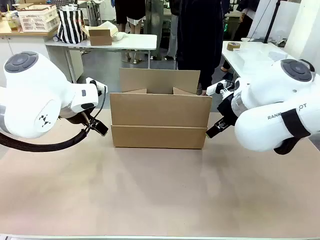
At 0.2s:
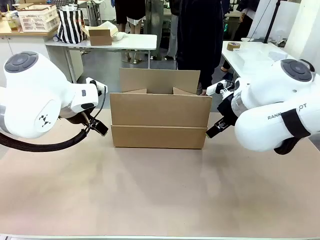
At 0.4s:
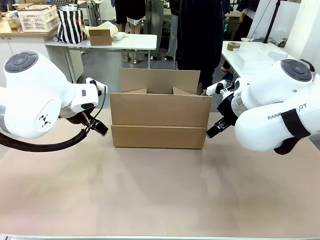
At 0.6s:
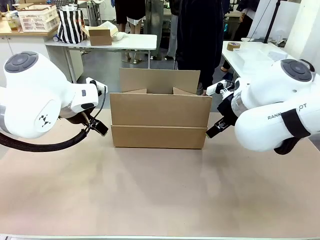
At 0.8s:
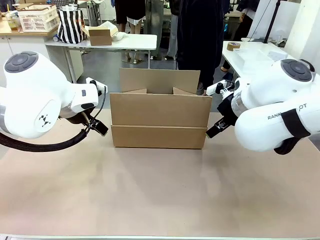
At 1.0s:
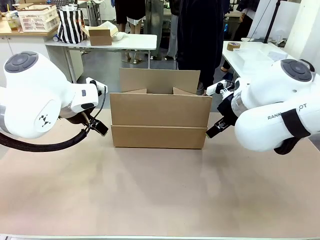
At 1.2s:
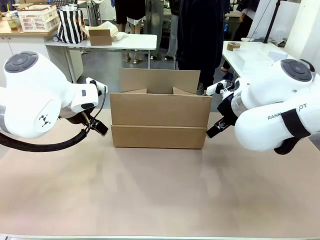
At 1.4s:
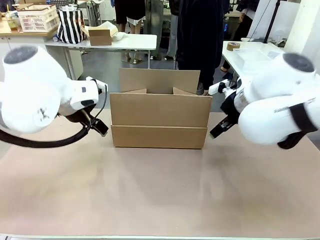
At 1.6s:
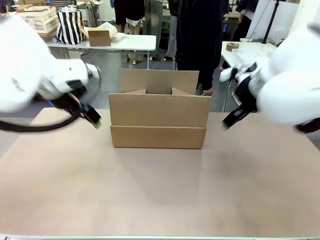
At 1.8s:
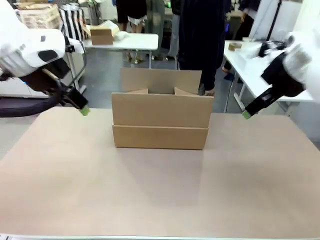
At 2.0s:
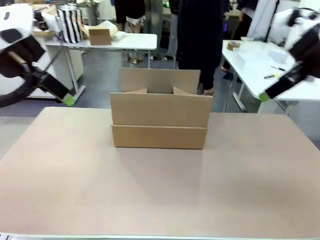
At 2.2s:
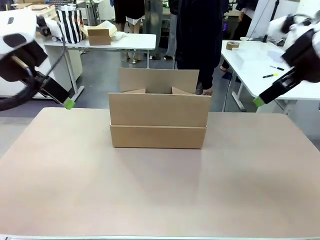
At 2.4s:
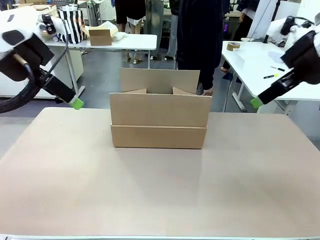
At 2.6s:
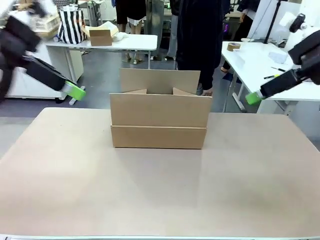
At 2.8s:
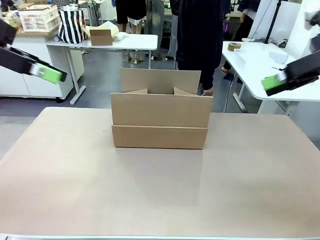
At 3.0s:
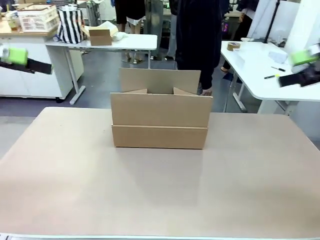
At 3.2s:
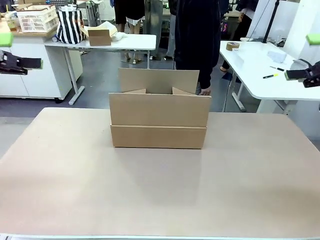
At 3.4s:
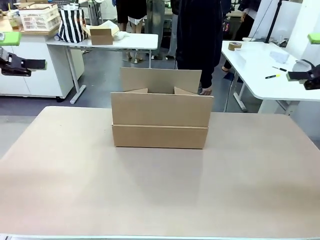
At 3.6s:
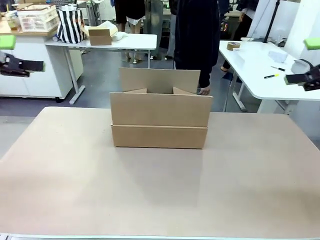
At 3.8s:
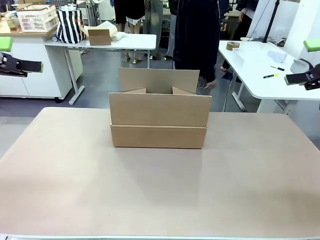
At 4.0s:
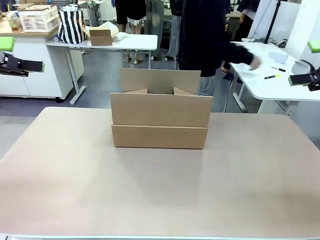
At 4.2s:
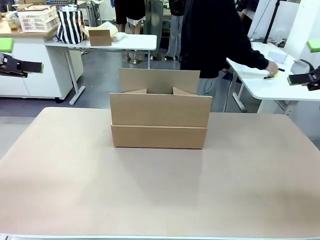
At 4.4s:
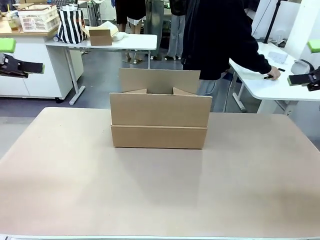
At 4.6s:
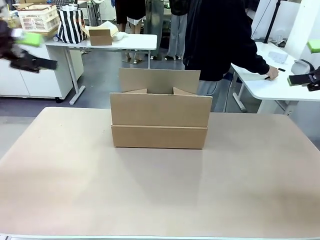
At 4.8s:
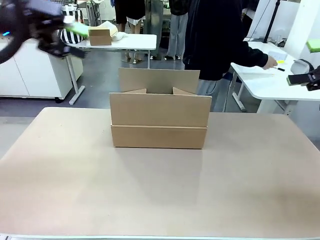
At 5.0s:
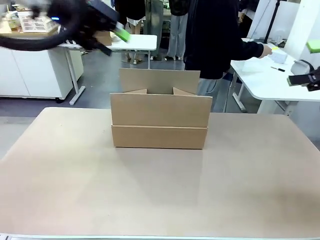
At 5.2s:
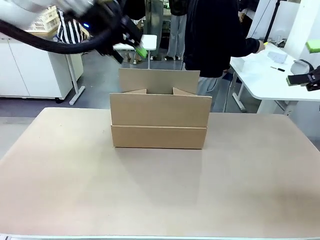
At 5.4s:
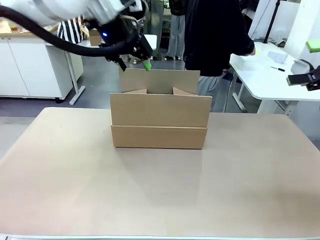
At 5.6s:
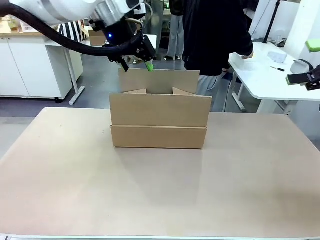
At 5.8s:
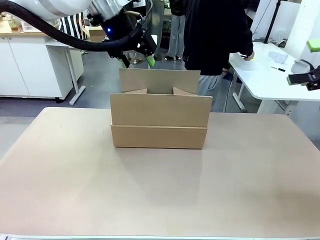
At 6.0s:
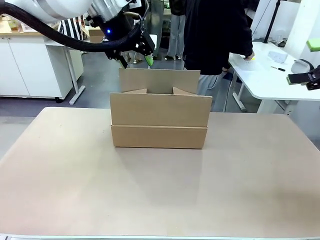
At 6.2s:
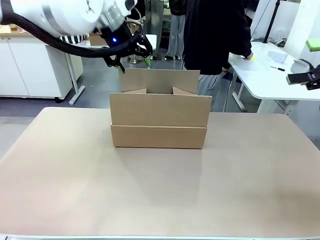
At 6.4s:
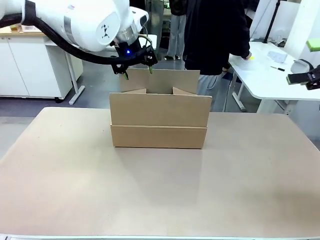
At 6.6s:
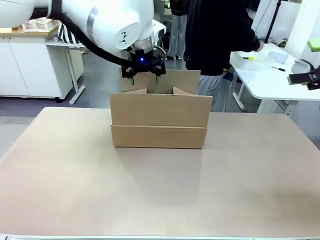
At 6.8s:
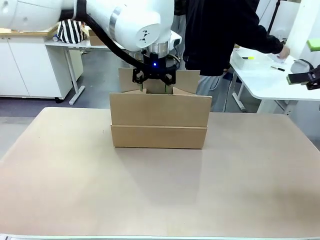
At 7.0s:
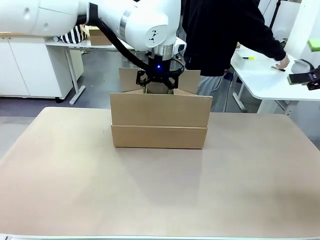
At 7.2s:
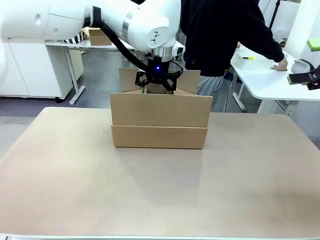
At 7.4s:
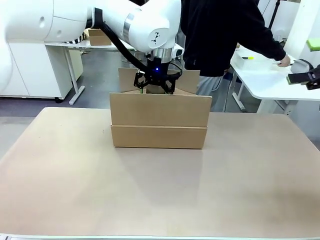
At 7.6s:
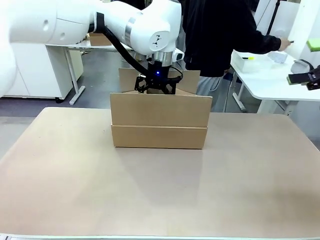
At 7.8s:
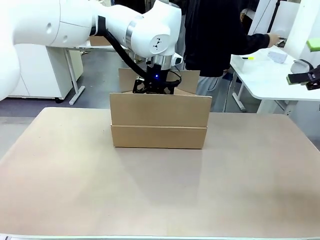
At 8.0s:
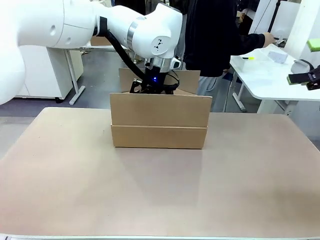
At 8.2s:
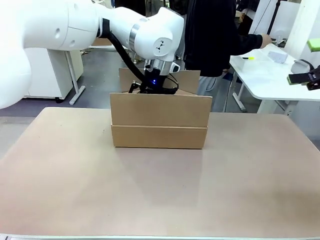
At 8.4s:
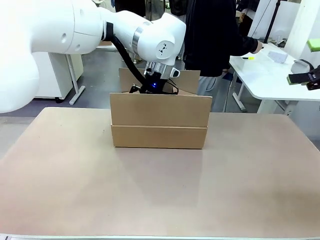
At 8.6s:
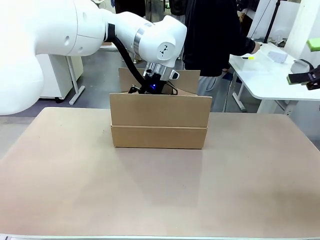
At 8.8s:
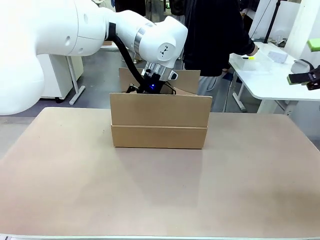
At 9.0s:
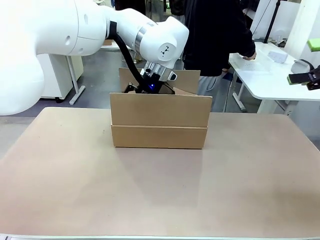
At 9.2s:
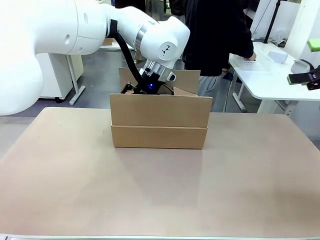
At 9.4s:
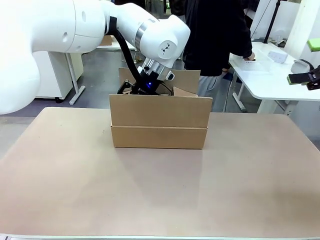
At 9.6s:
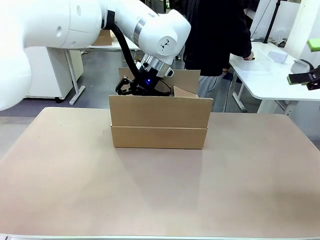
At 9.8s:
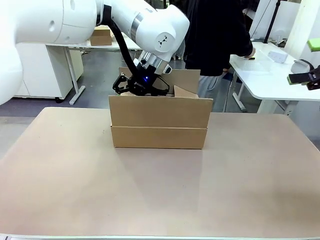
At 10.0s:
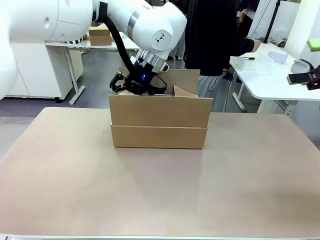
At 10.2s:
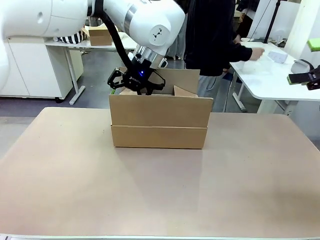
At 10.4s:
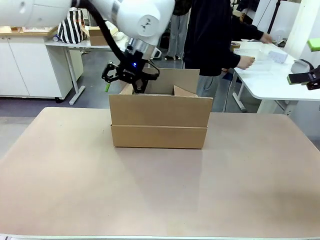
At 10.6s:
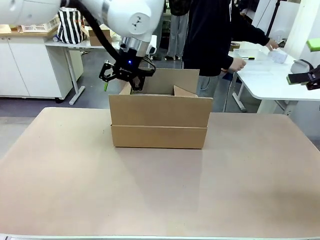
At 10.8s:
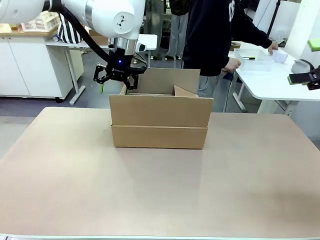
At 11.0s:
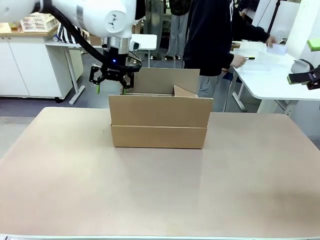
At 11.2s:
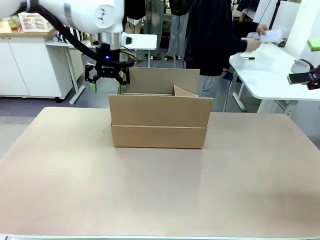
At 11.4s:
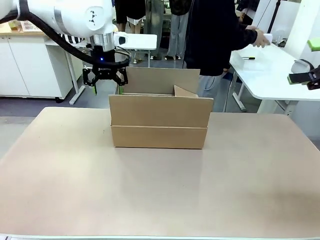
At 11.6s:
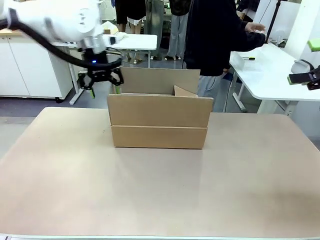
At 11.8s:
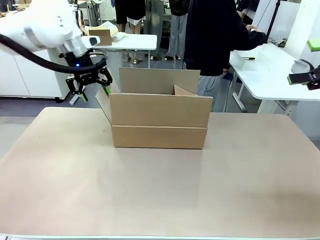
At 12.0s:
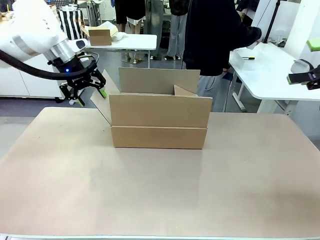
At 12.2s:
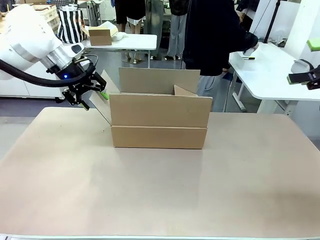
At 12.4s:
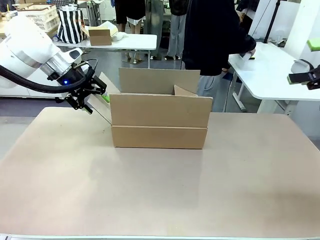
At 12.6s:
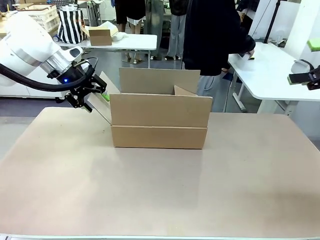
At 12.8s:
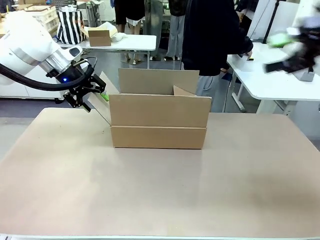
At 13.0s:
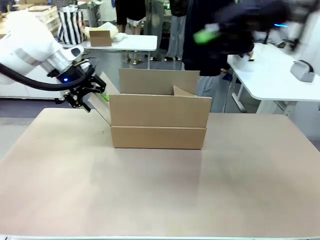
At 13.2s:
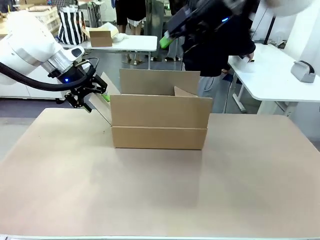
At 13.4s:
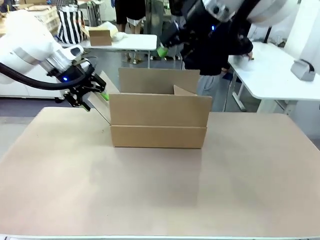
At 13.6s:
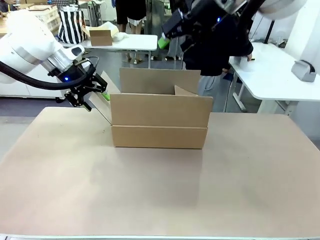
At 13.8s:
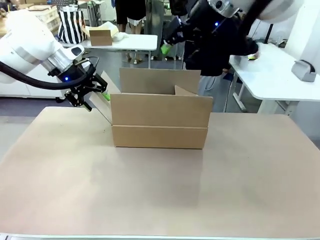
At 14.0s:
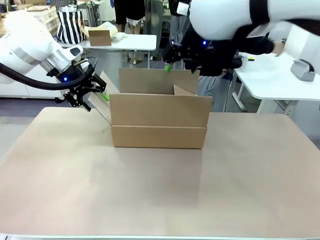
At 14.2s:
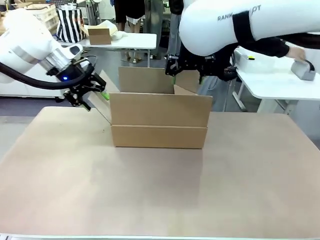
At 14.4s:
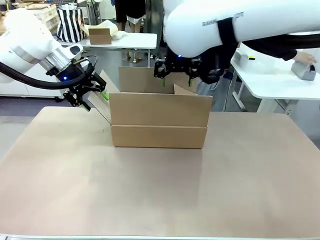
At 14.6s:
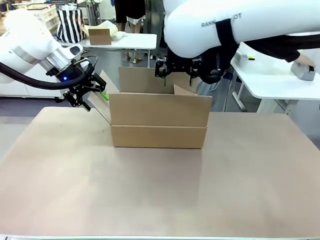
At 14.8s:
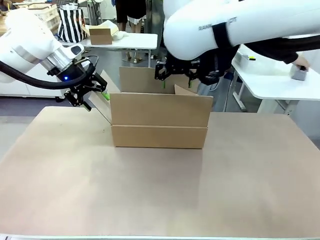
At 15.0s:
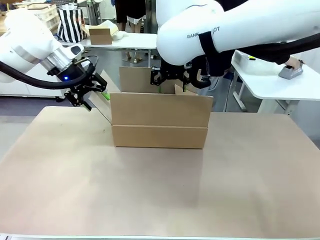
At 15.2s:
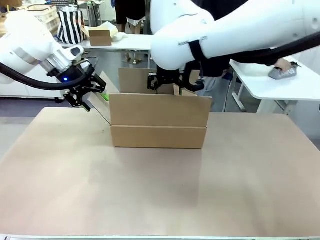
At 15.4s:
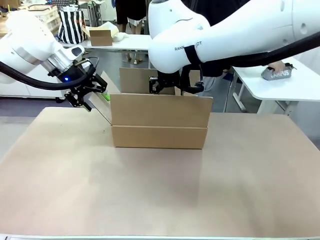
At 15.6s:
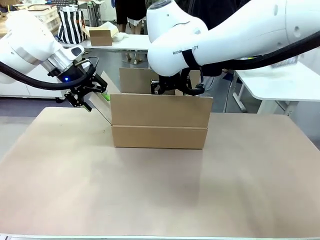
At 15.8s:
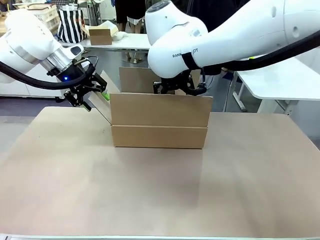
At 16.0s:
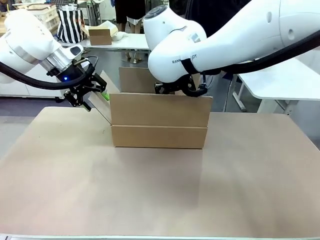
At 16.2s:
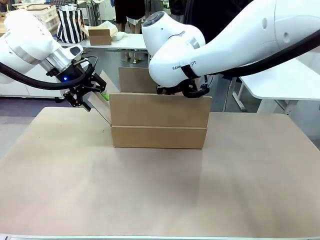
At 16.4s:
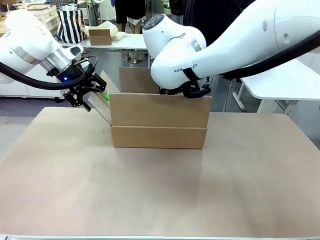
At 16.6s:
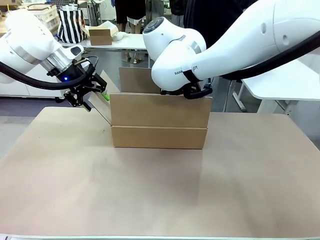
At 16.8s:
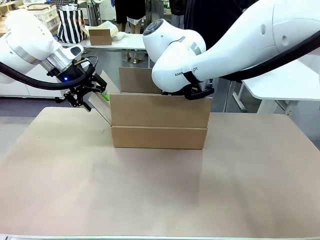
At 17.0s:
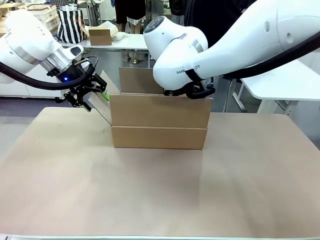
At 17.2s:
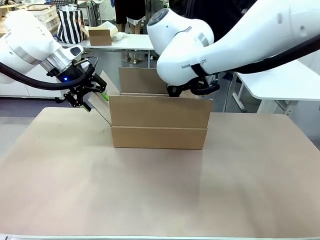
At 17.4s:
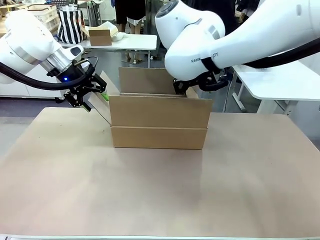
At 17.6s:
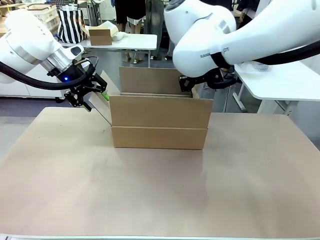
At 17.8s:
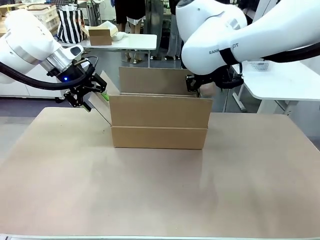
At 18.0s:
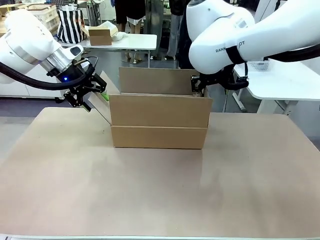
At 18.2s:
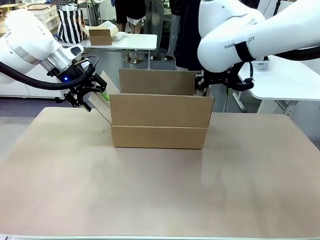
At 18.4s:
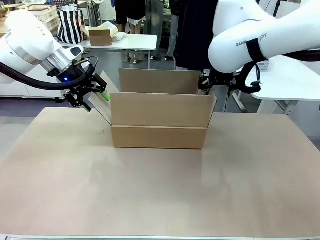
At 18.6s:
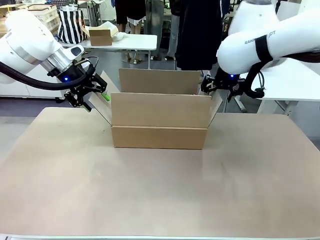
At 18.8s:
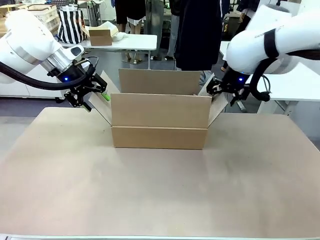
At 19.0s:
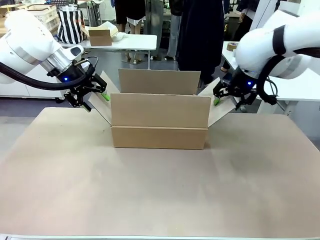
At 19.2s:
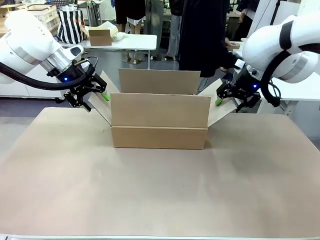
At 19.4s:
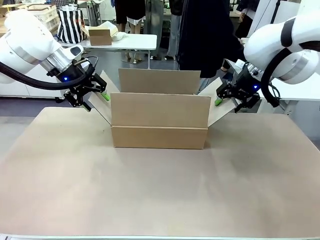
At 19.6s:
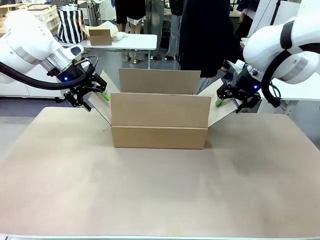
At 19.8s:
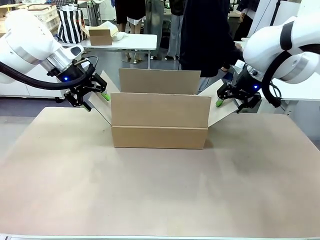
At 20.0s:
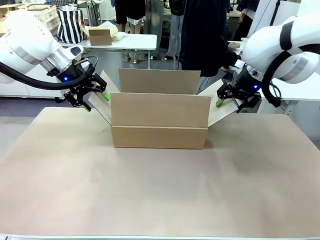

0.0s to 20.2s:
Task: Pack the gift set into the box.
Robot: Place both hands on the side flaps of the Package Box and spread them outward.
Person: The human places all items except the paper tape into the organizing basket.
